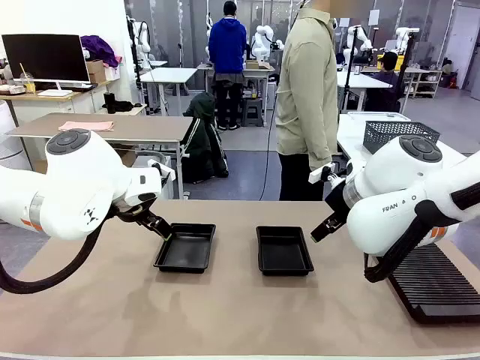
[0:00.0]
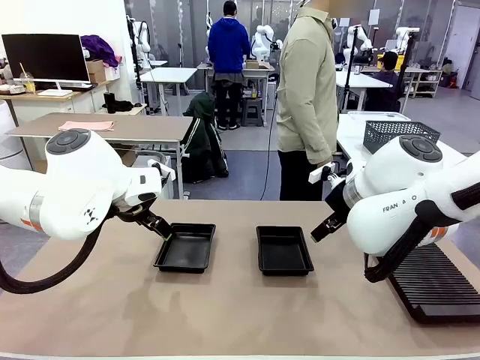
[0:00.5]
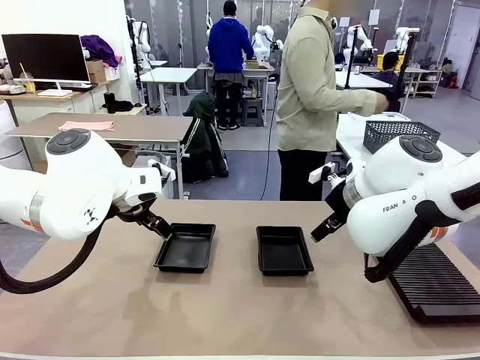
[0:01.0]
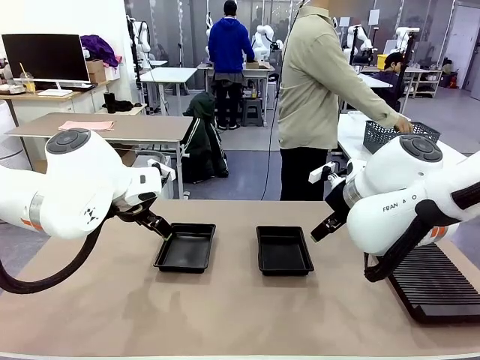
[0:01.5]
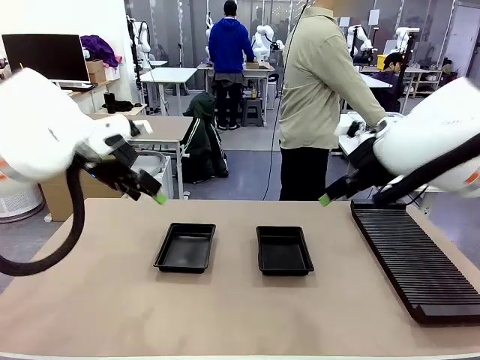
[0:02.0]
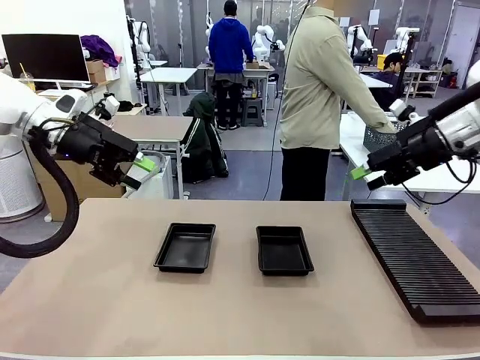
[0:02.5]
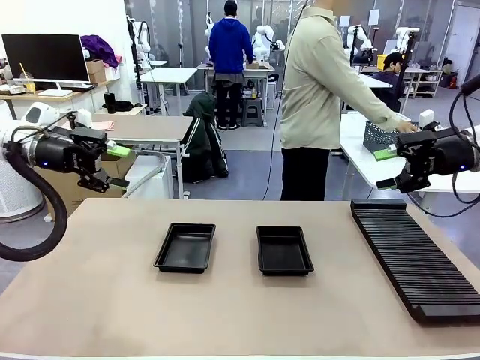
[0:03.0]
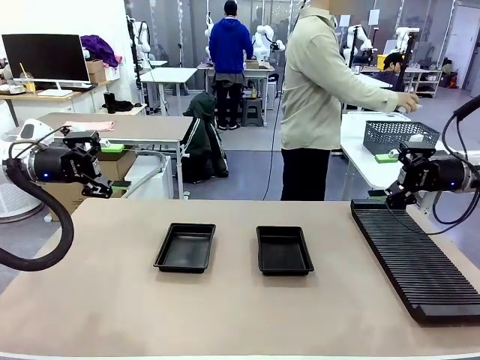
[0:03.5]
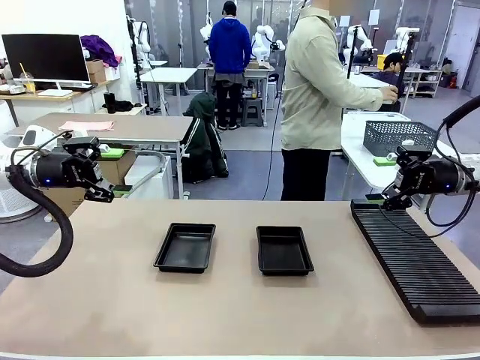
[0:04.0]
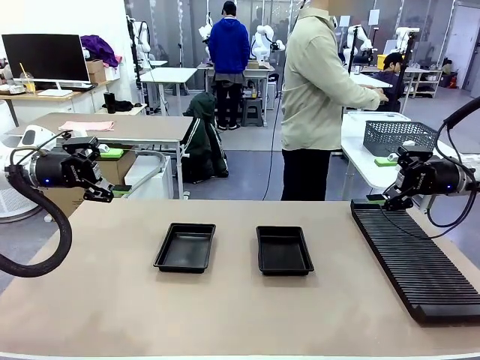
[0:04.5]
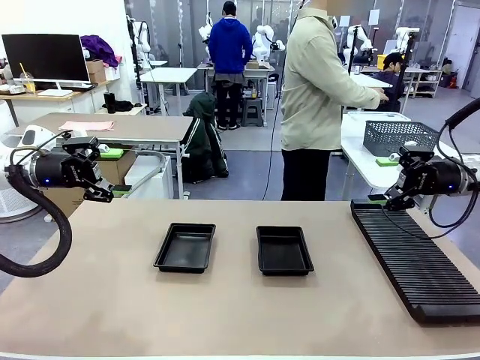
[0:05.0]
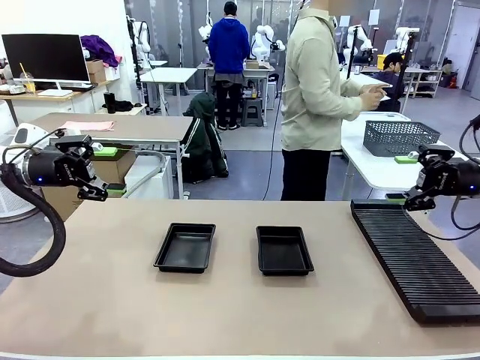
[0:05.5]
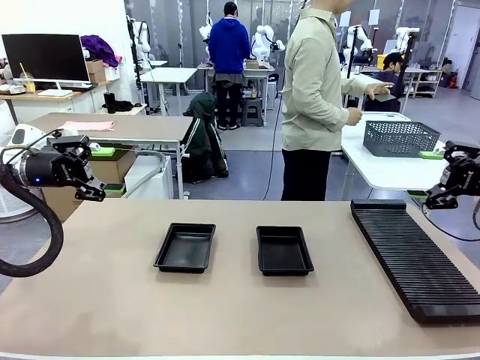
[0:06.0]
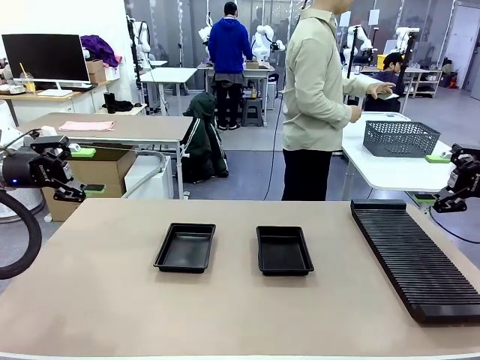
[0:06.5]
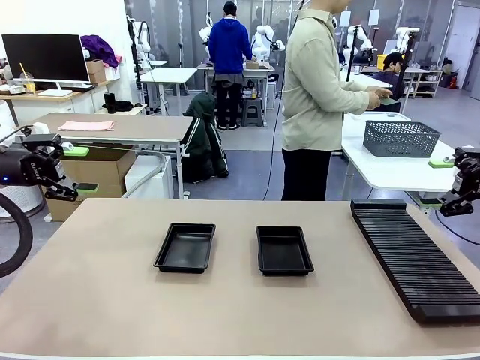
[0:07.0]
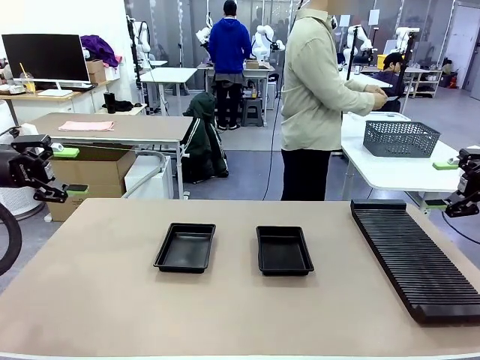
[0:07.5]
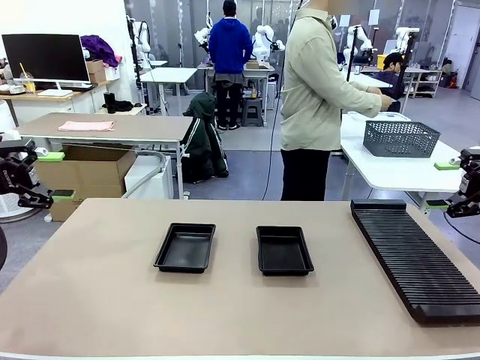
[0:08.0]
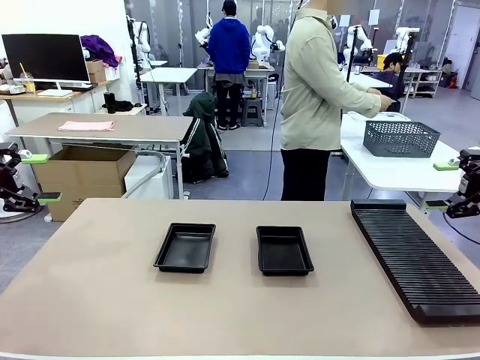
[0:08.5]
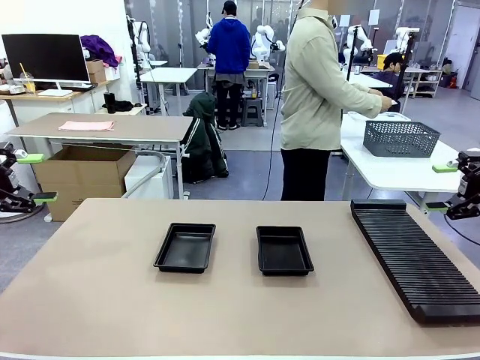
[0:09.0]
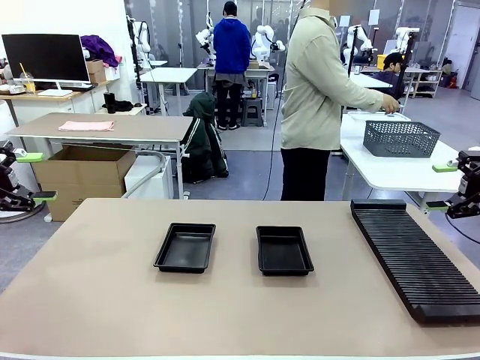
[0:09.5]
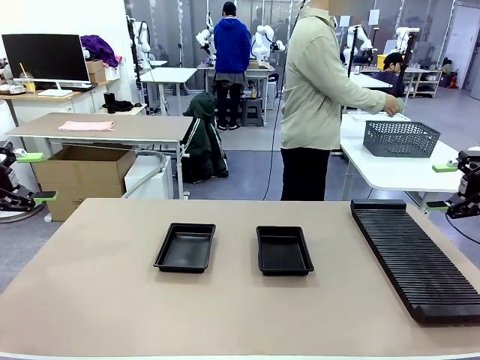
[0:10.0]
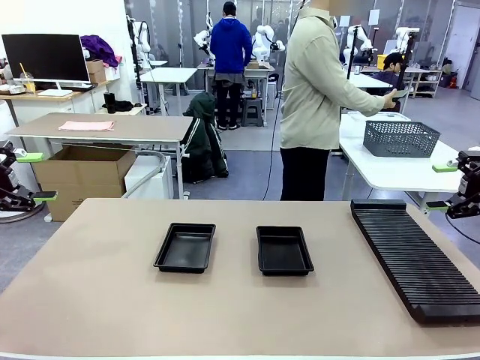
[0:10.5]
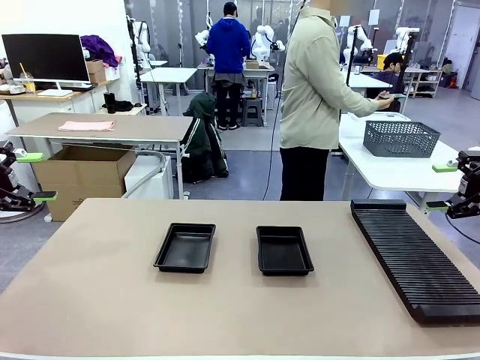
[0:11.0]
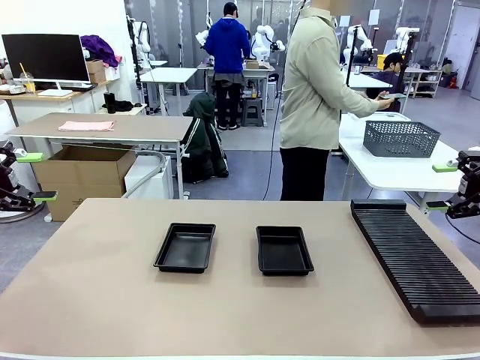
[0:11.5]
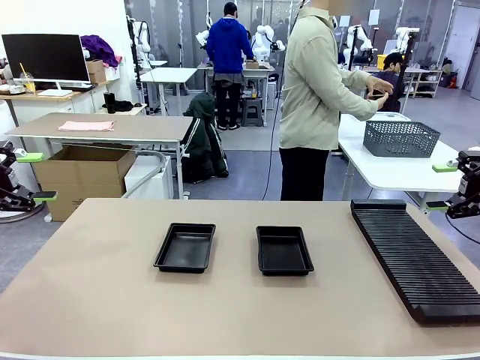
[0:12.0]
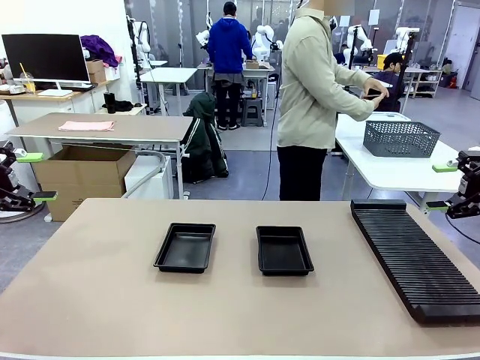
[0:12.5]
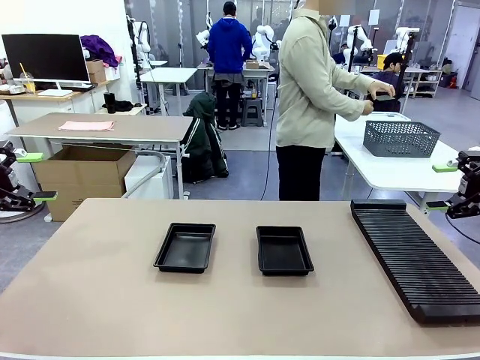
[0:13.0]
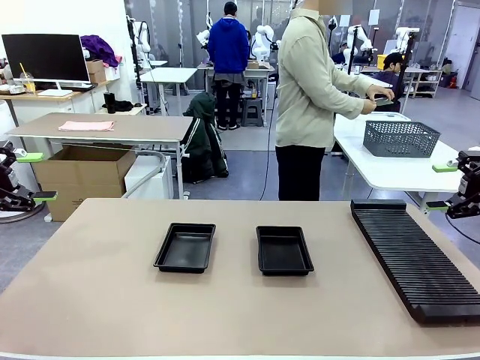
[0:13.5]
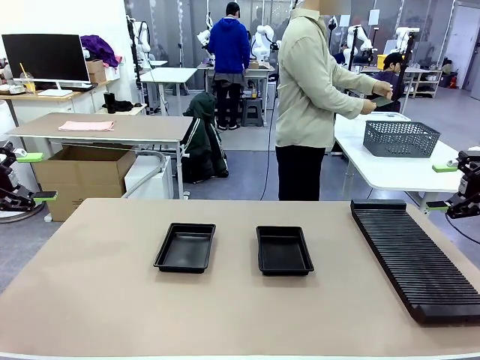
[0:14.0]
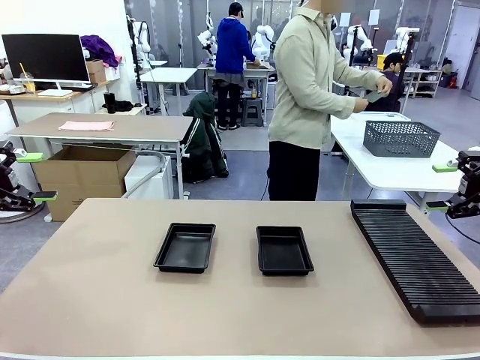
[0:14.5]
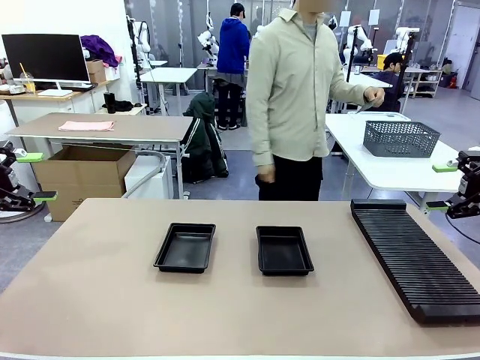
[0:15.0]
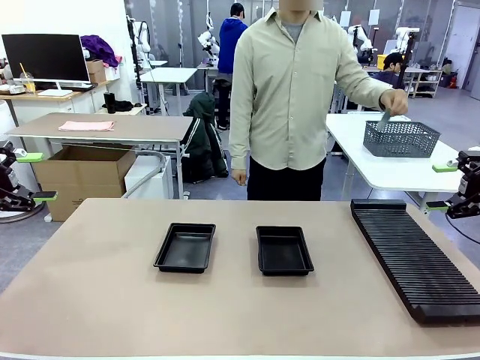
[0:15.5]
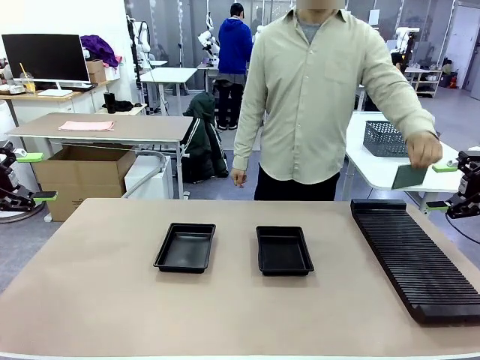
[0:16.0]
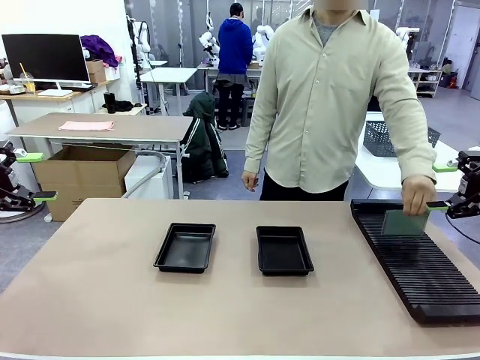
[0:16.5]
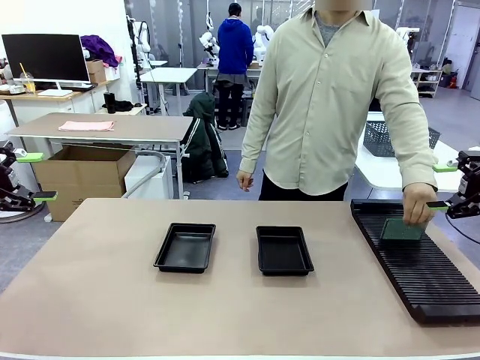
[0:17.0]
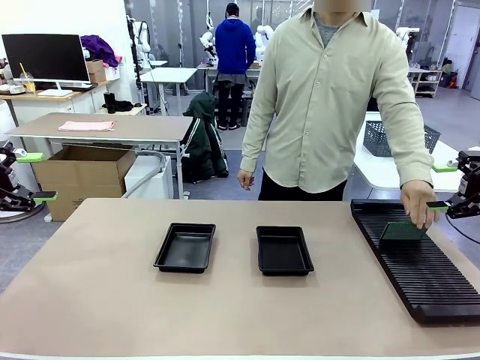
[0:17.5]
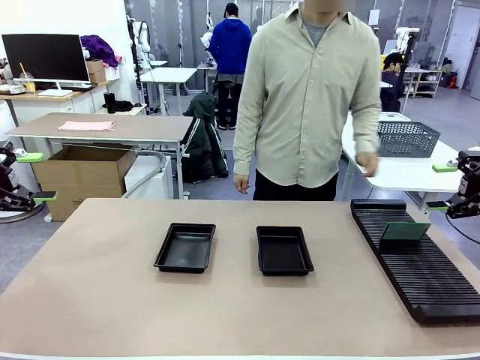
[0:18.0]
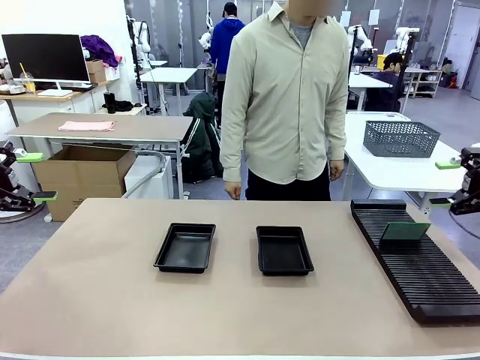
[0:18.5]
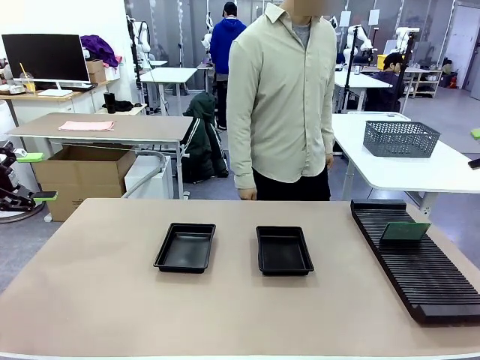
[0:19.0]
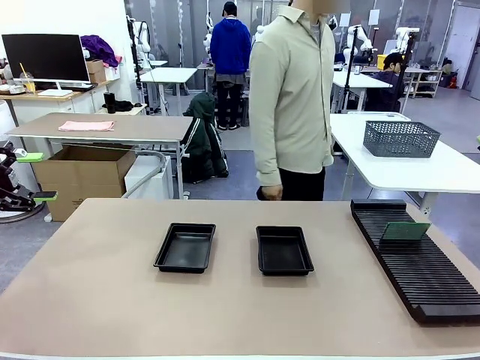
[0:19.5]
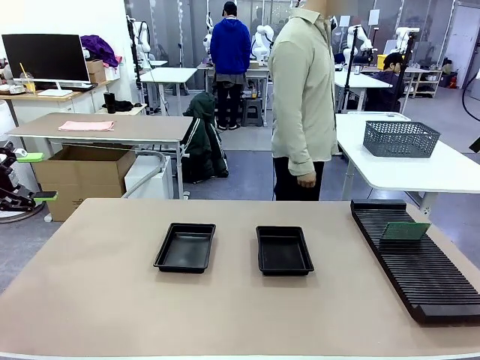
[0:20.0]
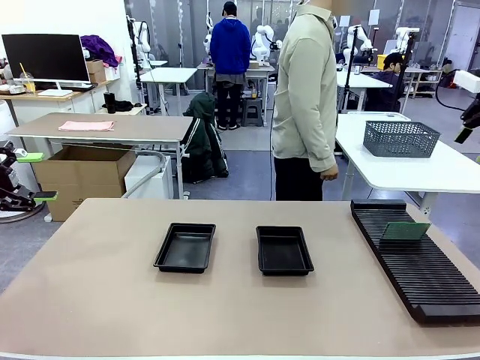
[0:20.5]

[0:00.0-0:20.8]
Task: Inspect and transfer BCBs to ESD trays.
Robot: Pick up the Blank PCB from the PCB Rack and place it in the left ESD tray.
